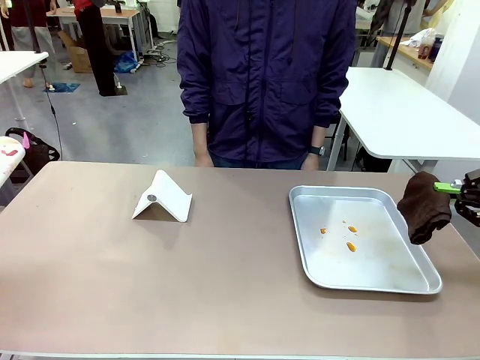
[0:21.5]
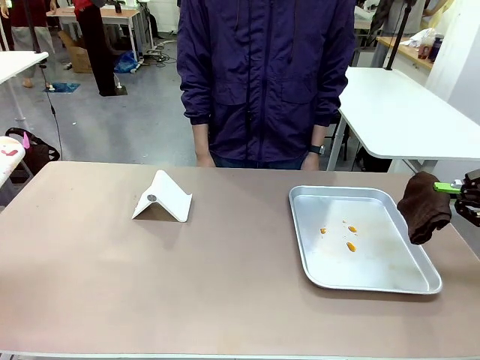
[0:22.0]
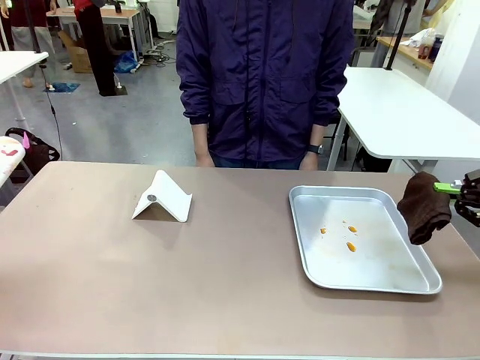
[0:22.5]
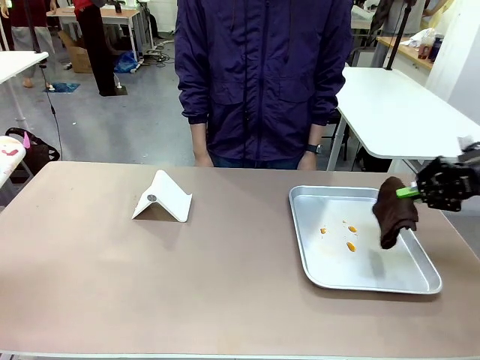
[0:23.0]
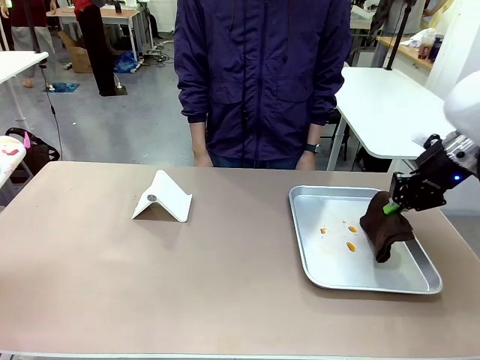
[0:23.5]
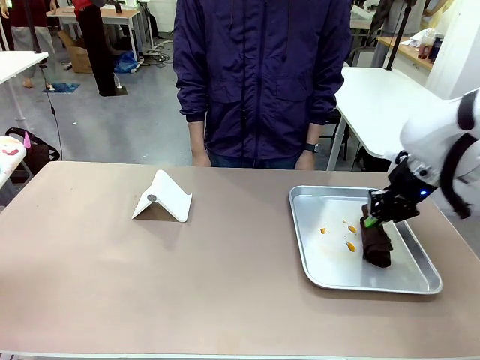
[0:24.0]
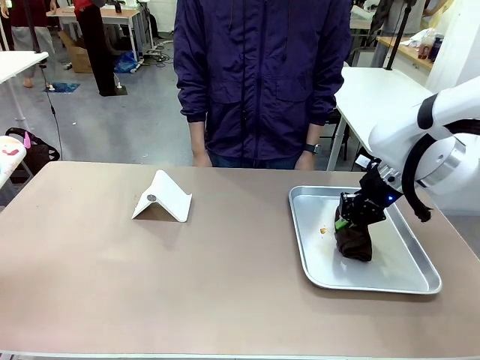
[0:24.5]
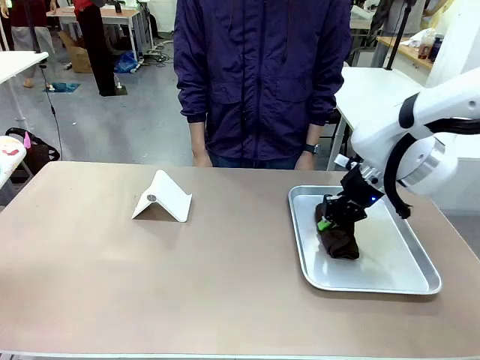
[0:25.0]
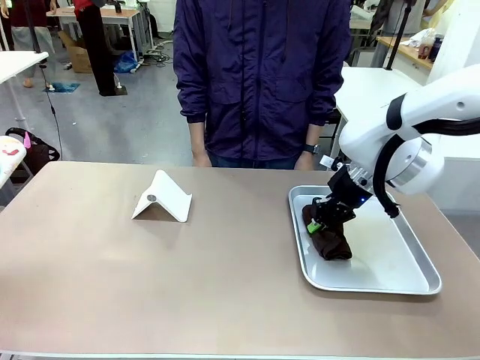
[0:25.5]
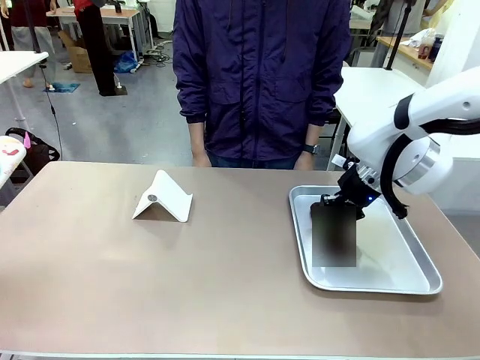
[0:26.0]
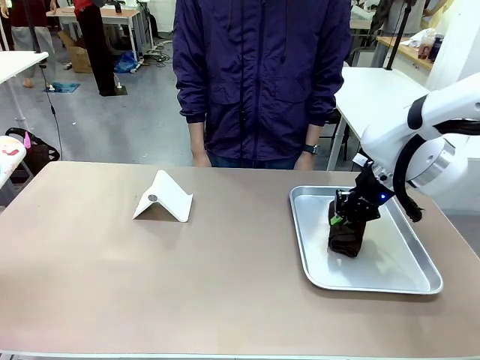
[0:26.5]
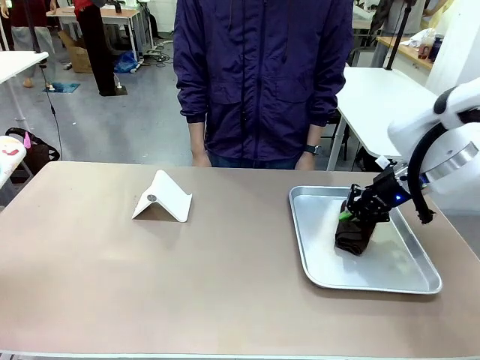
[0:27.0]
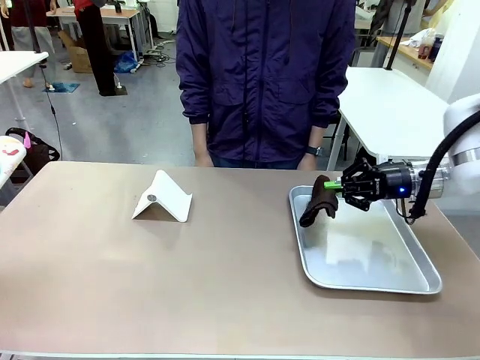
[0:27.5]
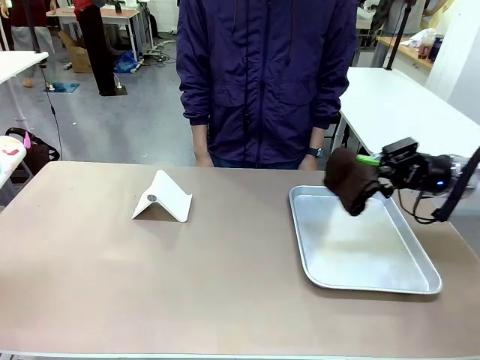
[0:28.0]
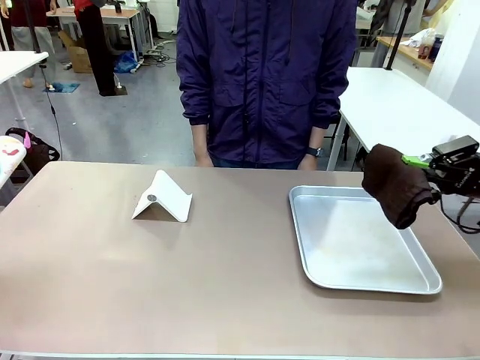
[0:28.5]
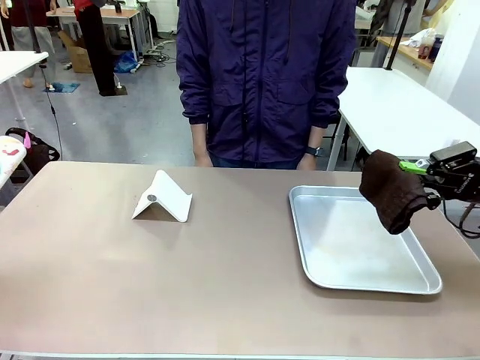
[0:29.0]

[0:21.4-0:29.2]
Task: Clean the surface of the table.
Robot: Clean the area not pointed to by the person.

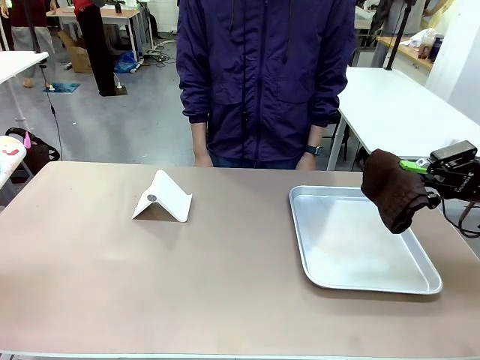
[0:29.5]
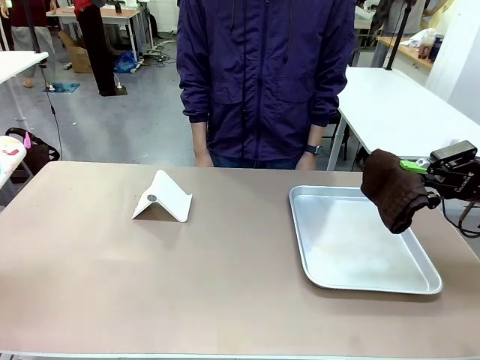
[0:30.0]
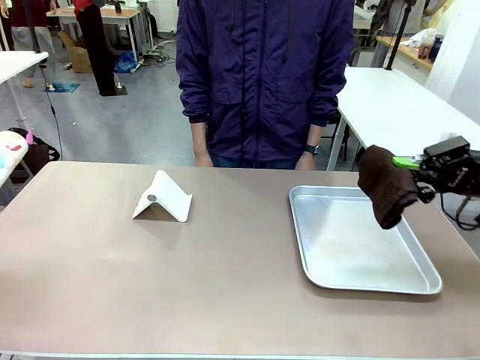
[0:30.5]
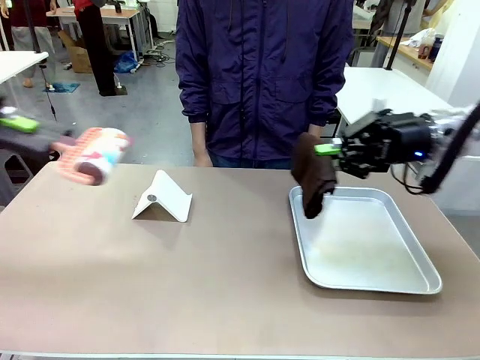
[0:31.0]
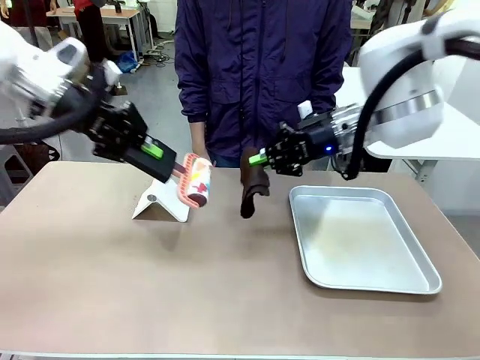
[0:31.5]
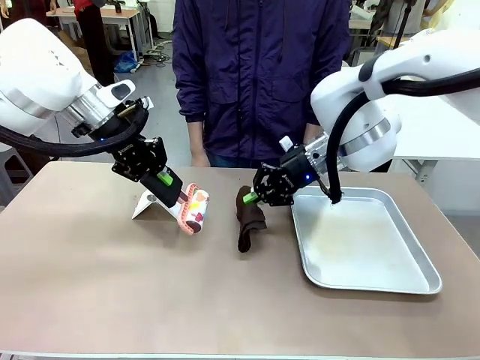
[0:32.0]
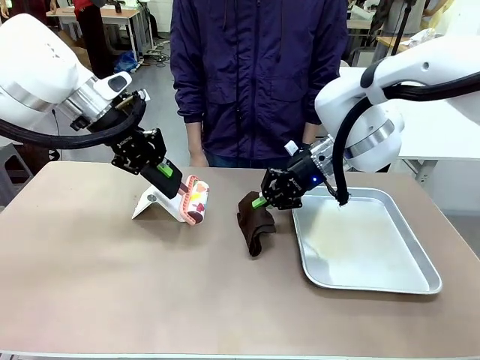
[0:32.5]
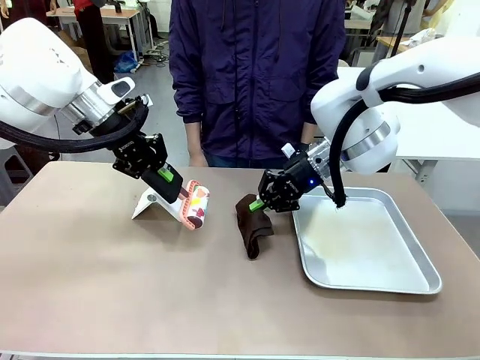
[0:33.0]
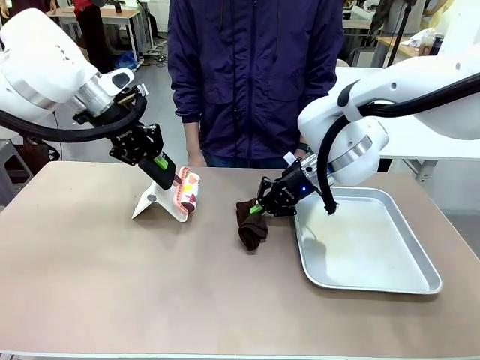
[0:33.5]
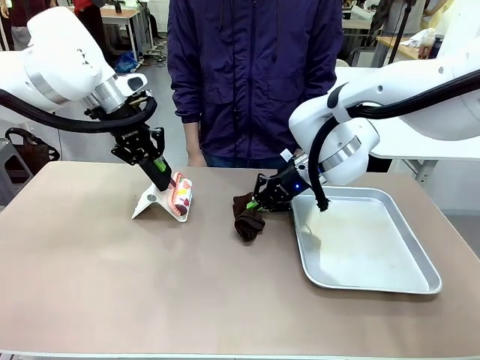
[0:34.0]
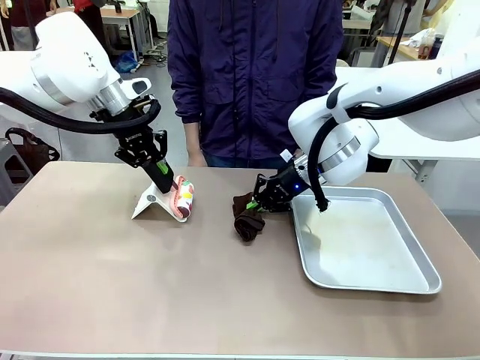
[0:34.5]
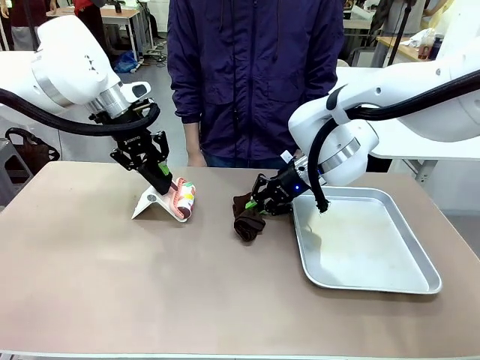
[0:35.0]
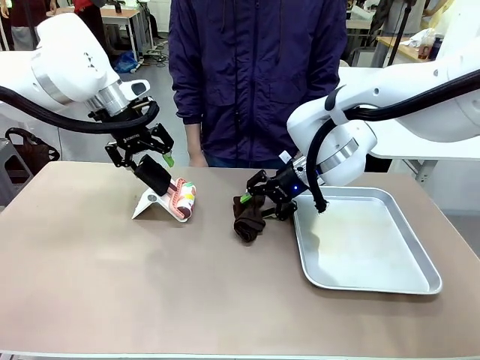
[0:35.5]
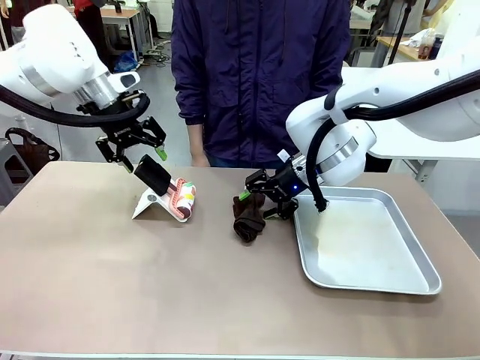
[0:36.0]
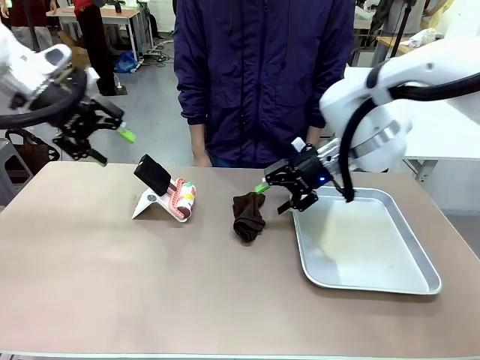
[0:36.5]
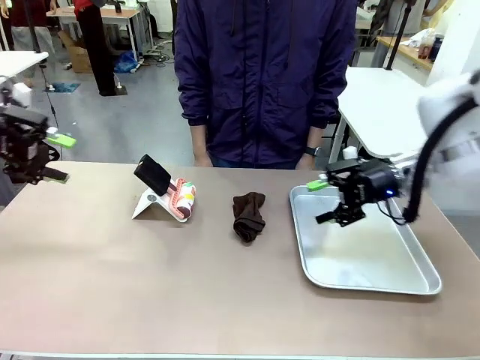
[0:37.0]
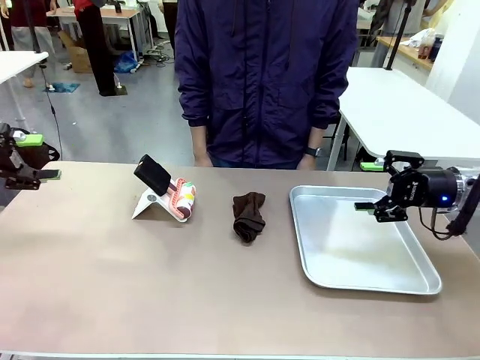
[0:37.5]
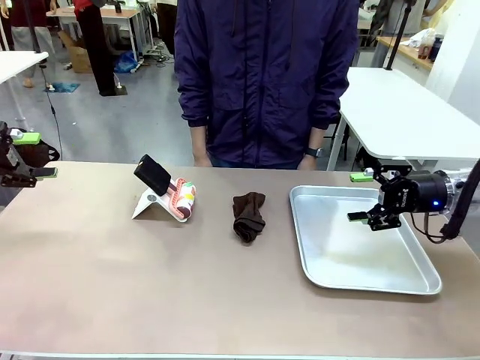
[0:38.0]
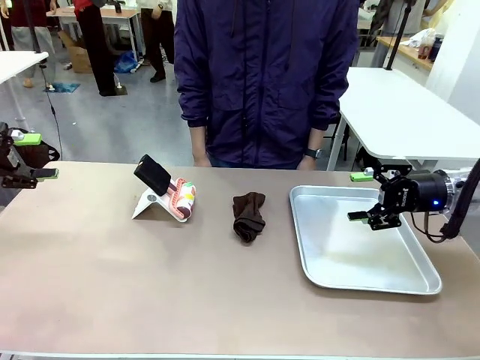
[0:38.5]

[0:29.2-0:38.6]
Robot: Return the Lint Roller and towel to their original positions.

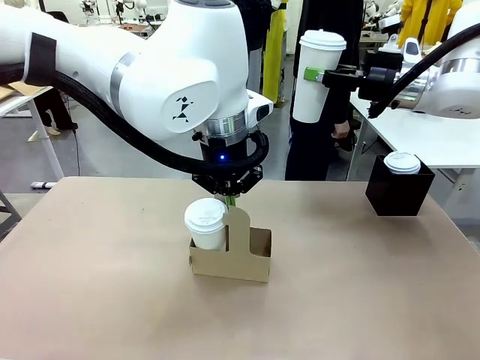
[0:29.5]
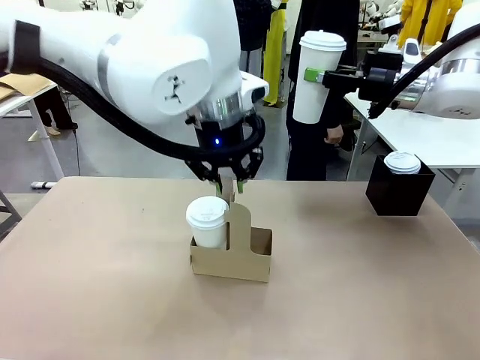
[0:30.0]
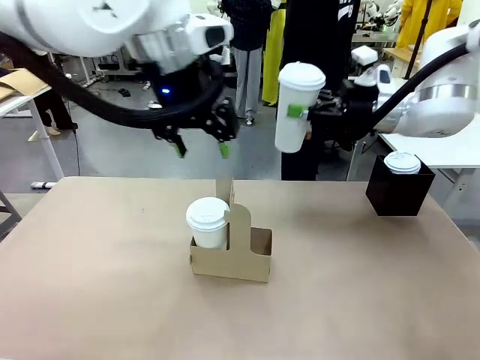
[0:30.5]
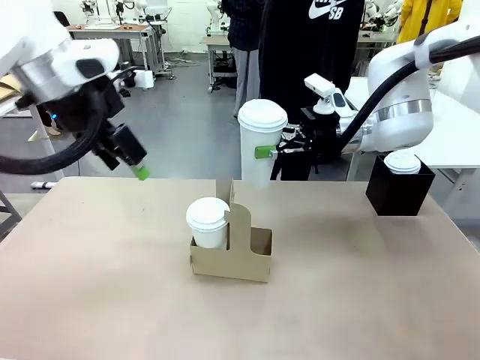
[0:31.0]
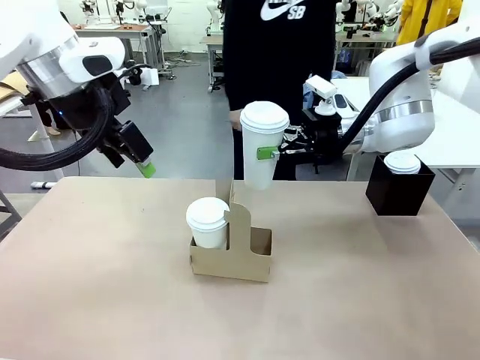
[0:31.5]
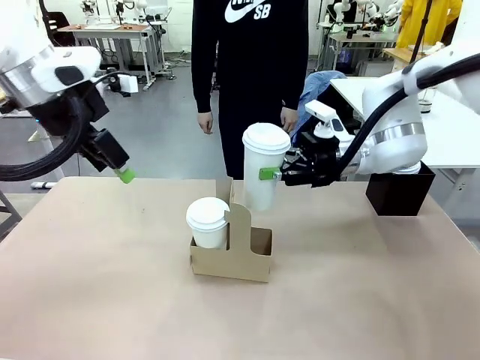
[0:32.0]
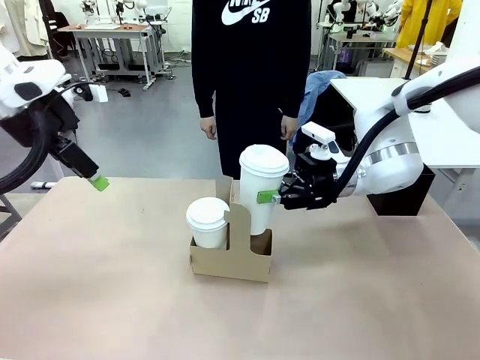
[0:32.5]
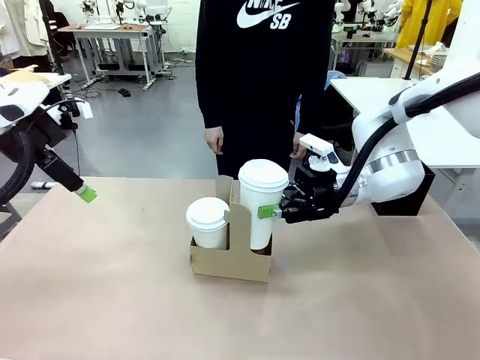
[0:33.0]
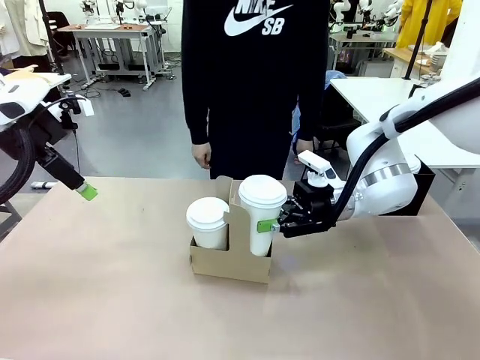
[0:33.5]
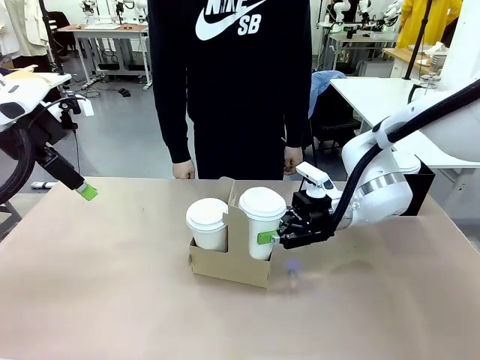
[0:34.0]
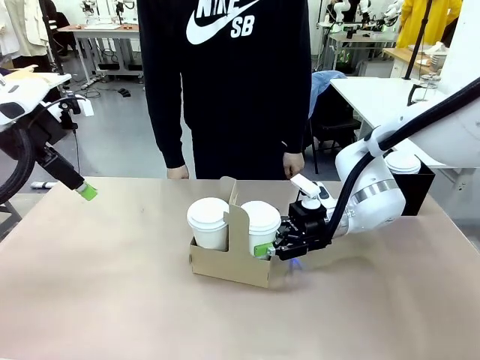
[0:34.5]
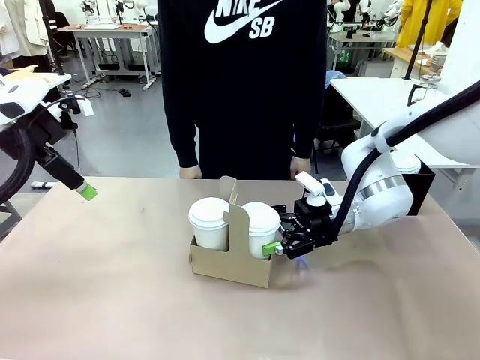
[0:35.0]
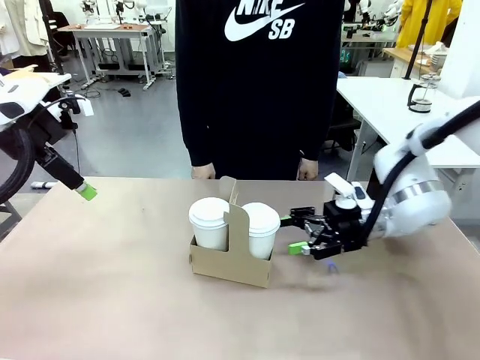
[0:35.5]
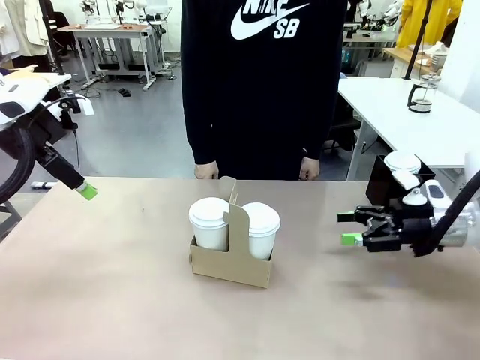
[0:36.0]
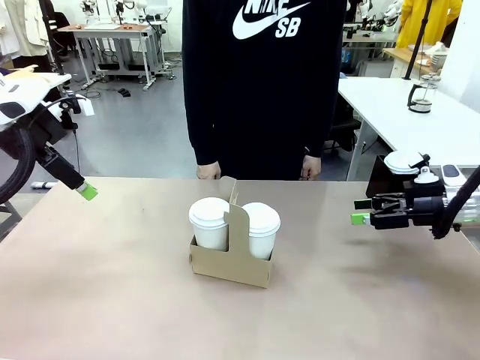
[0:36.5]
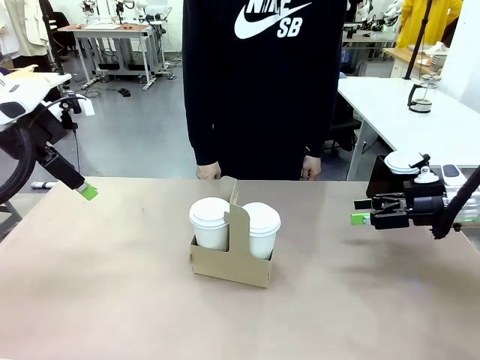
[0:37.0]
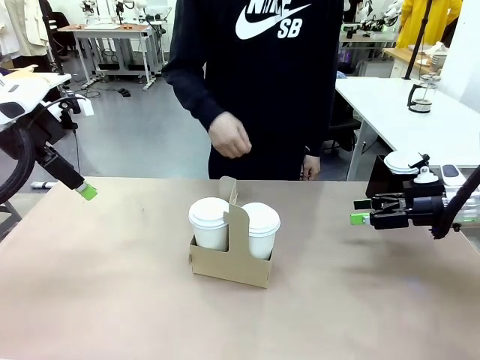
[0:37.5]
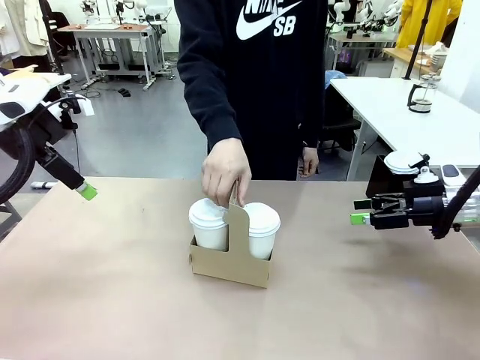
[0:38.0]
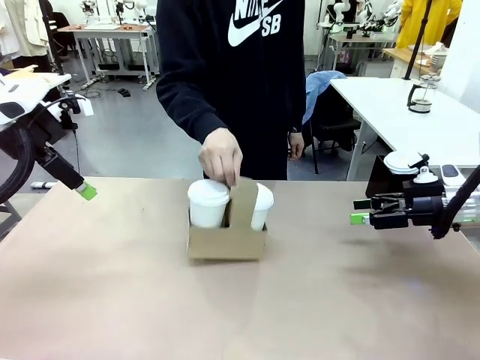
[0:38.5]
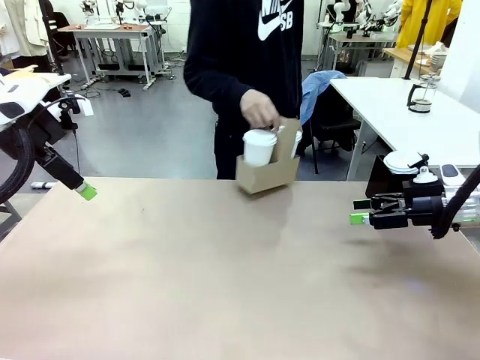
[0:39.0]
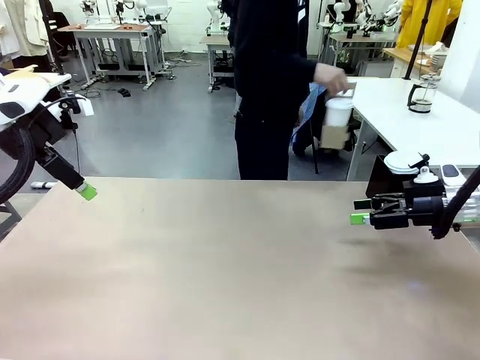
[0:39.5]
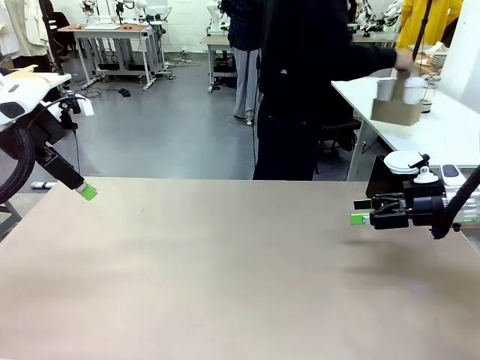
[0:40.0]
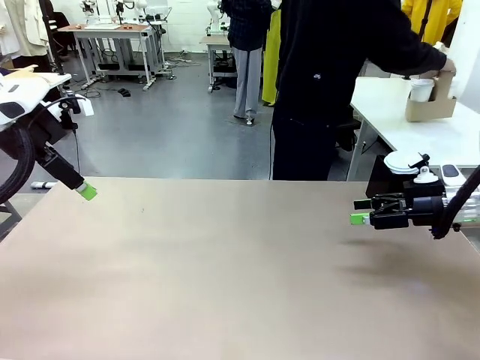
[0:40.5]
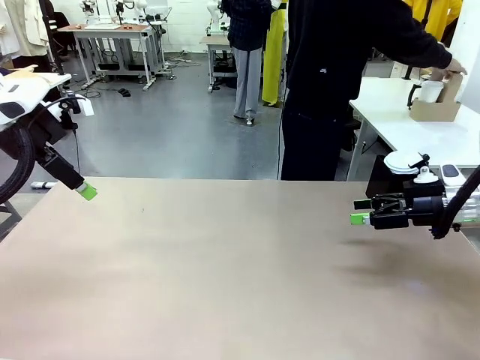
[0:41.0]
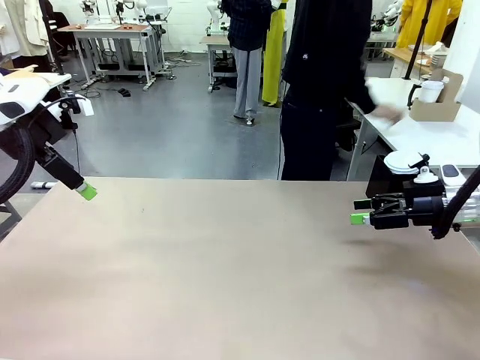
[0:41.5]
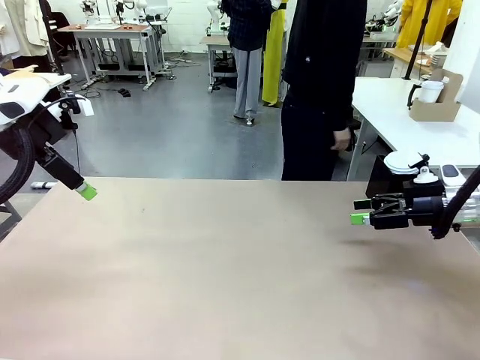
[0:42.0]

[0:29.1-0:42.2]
Task: Pour a drink into a cup and package it in a carrier.
Robot: Insert the held 600 ml Paper Cup into the Cup Carrier.
Person: Place the Cup Carrier to the middle of Human table.
